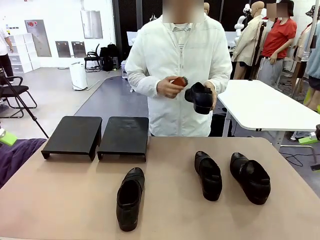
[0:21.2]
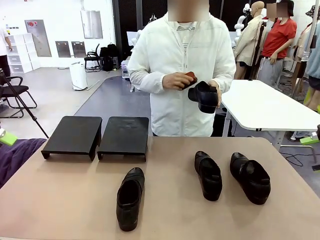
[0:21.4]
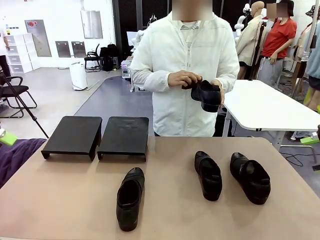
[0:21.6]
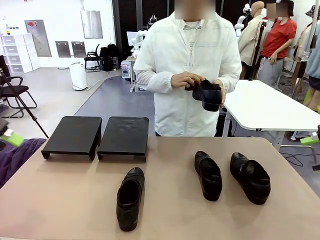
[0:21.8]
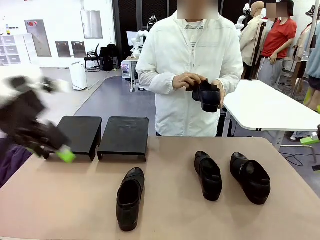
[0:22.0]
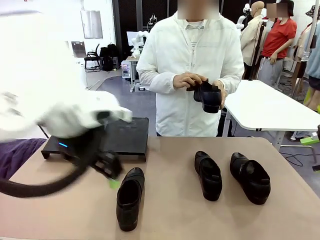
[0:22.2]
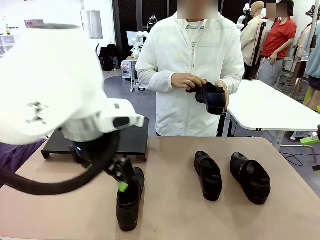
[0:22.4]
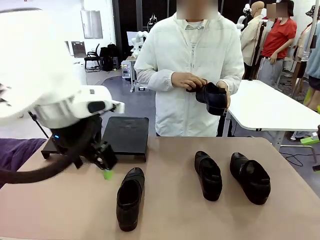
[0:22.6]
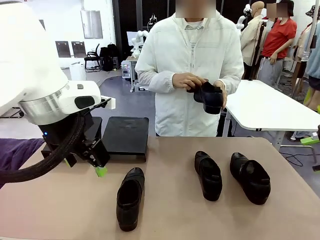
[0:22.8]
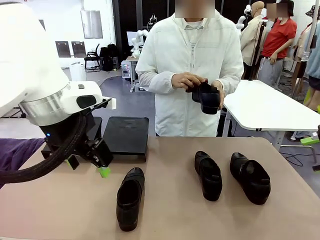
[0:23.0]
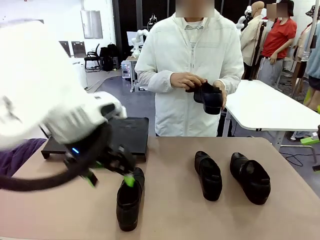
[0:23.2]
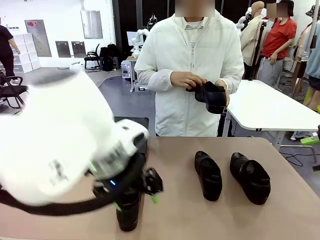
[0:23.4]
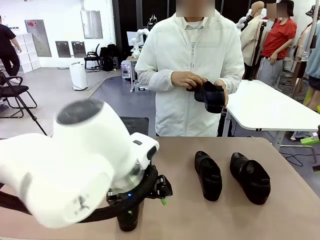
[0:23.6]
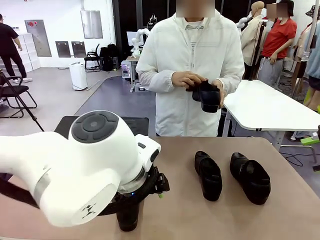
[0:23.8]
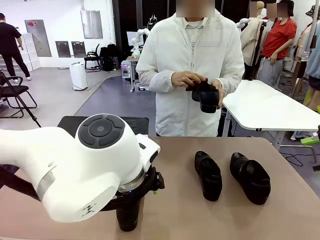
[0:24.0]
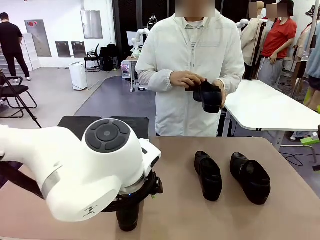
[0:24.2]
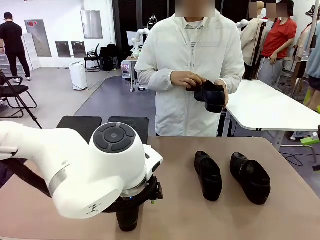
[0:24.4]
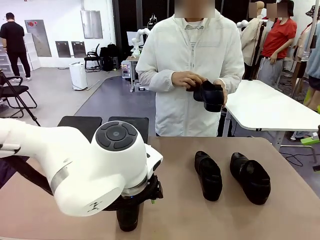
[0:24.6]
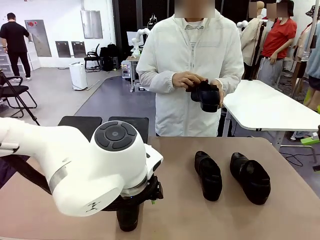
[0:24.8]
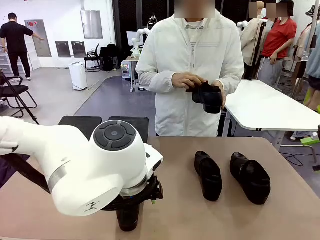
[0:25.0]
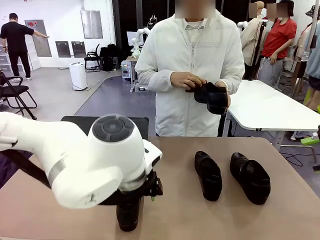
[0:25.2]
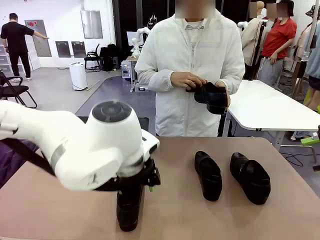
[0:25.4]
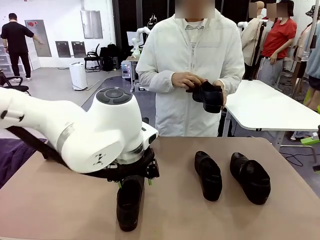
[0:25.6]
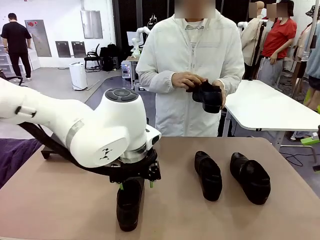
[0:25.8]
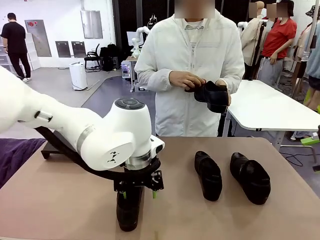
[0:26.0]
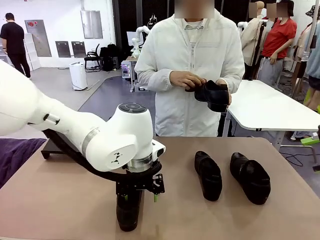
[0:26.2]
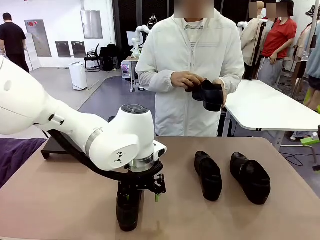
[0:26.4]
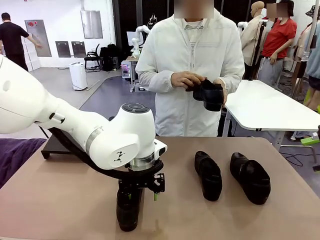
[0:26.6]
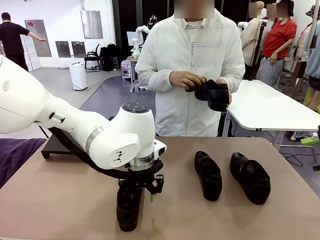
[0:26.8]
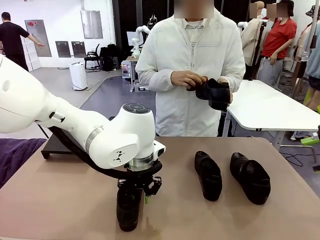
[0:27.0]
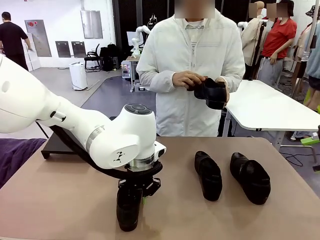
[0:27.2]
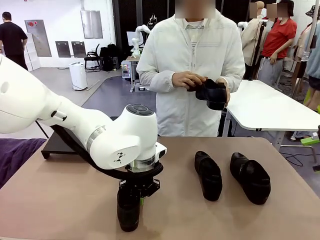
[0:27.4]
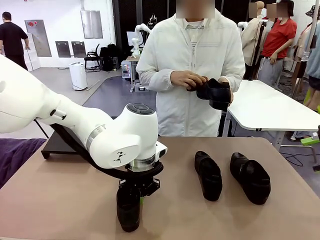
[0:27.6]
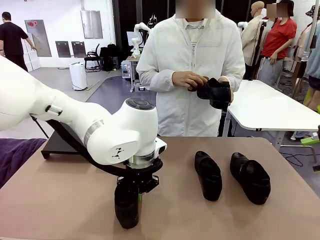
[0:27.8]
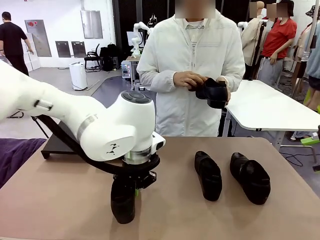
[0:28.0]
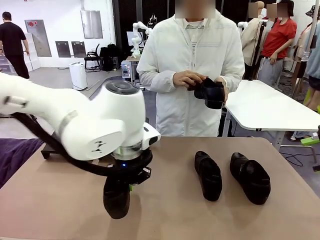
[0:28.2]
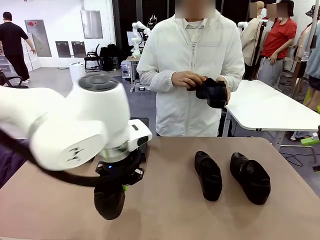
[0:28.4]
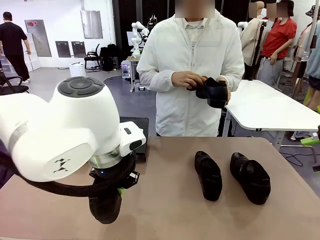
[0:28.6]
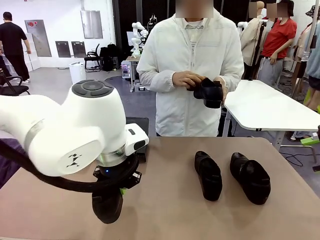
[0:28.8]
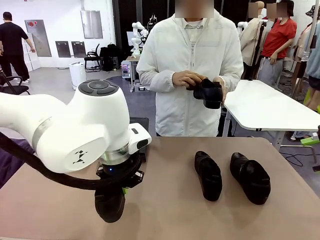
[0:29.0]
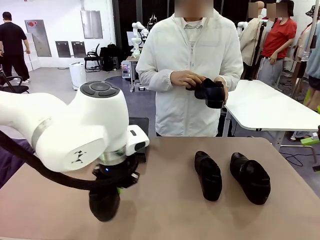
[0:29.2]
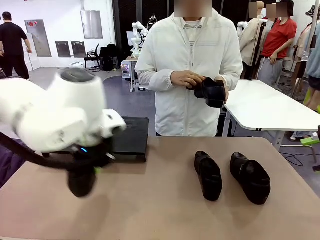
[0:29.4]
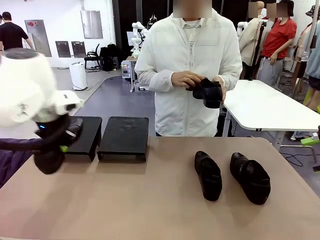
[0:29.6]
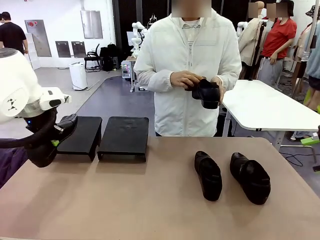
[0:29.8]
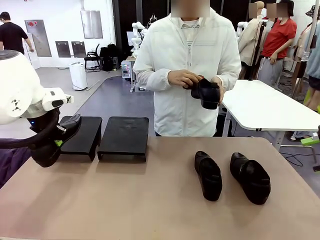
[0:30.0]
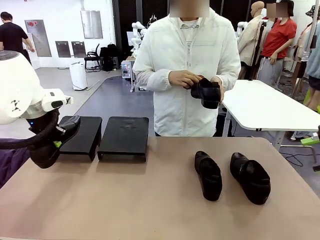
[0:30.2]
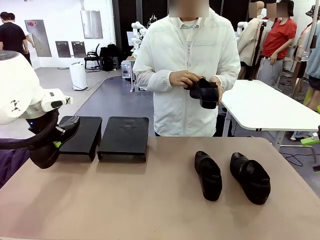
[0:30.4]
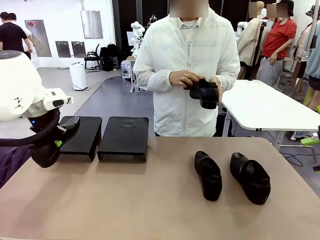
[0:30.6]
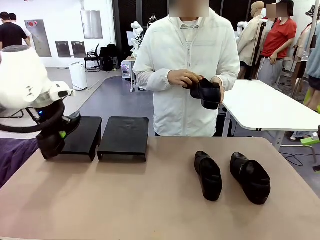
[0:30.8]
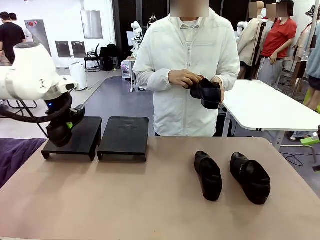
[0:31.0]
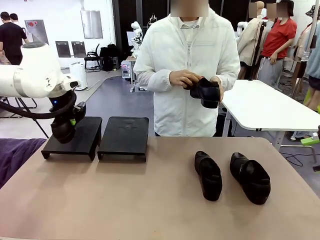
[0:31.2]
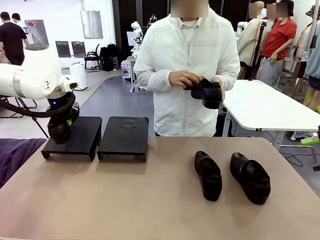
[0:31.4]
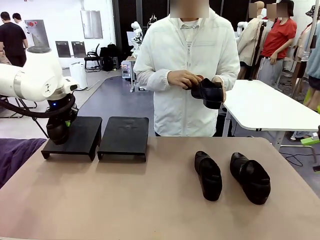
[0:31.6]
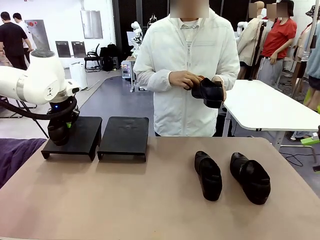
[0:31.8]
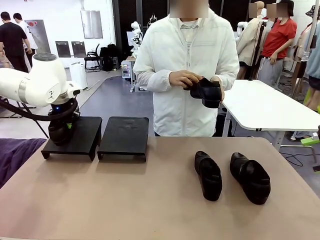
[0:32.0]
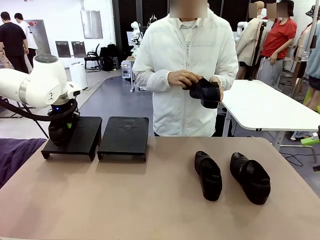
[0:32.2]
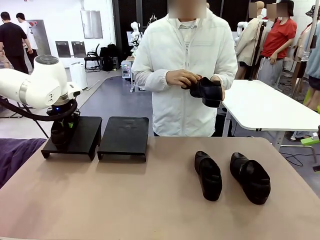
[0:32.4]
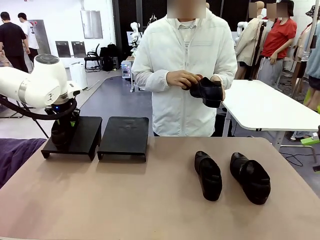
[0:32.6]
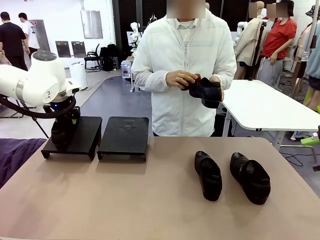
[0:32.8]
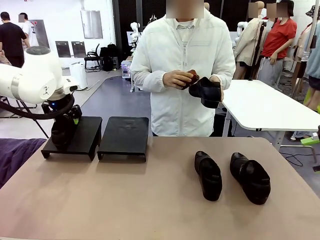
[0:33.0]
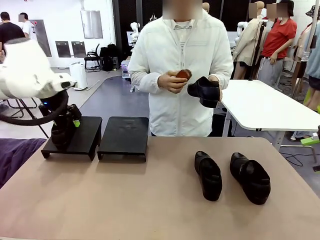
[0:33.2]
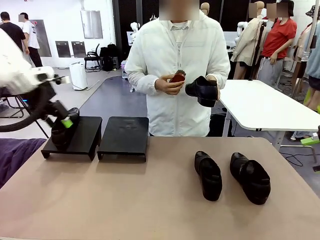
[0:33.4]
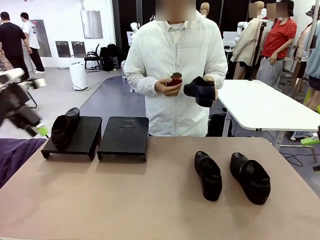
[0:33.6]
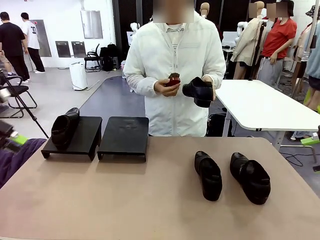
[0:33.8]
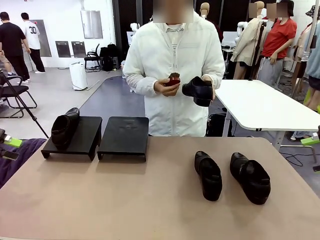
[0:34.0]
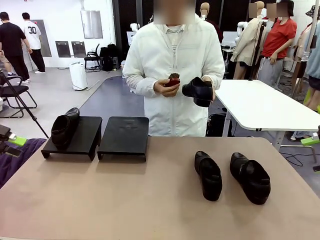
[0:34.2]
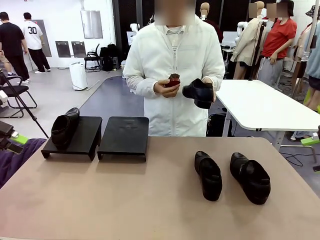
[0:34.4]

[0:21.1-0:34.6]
Task: Organize the shoes by placing them on the stand.
Robot: Place the Shoe from the middle of the table onto the Shoes Stand.
Person: Clean the Shoe with the Shoe Brush.

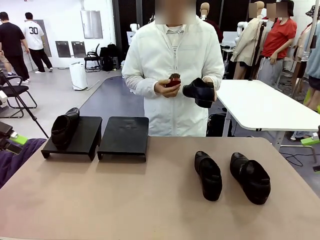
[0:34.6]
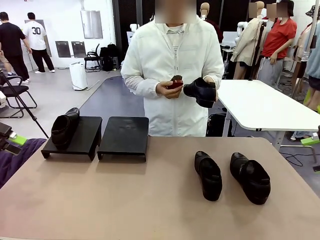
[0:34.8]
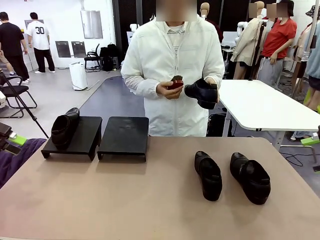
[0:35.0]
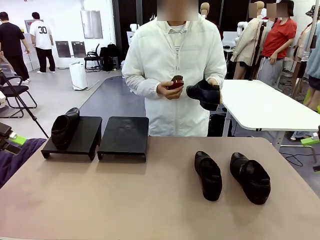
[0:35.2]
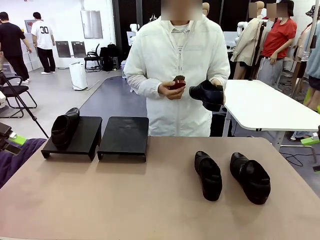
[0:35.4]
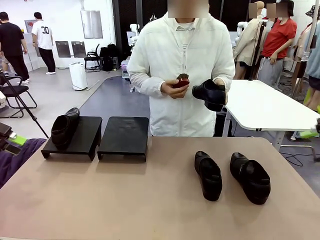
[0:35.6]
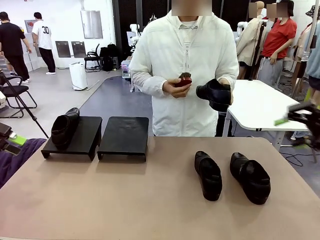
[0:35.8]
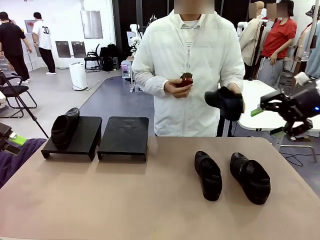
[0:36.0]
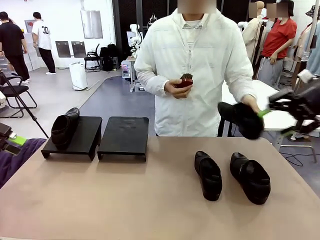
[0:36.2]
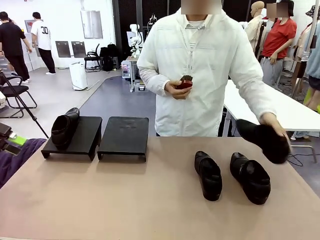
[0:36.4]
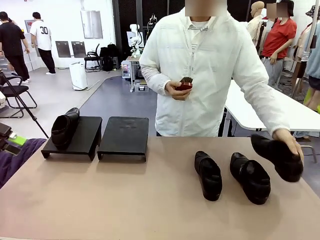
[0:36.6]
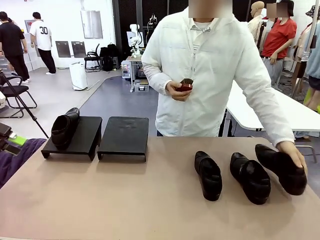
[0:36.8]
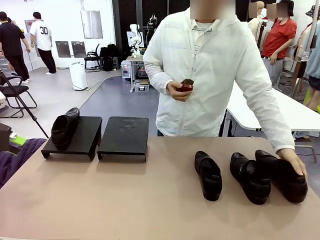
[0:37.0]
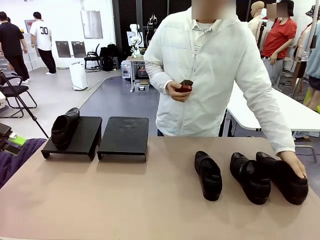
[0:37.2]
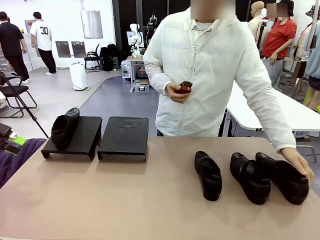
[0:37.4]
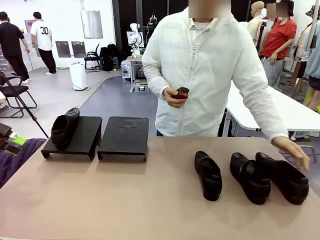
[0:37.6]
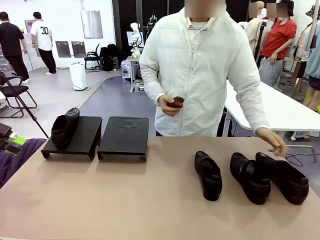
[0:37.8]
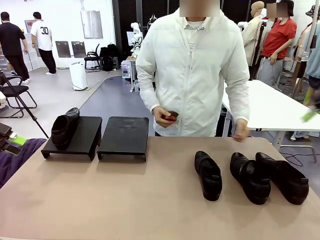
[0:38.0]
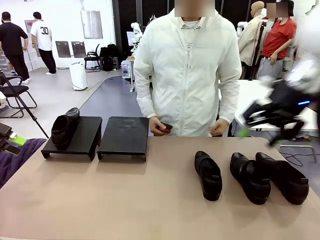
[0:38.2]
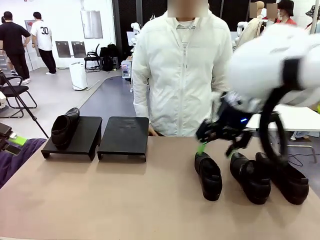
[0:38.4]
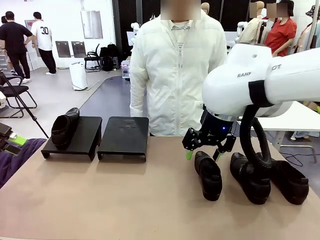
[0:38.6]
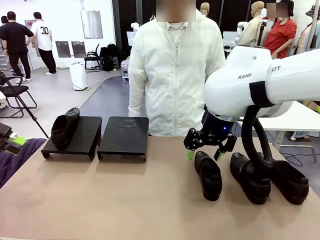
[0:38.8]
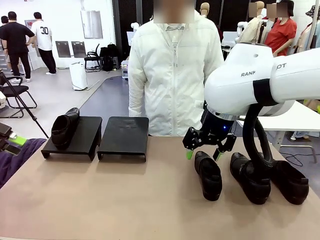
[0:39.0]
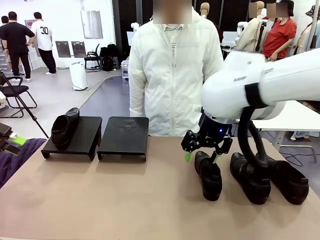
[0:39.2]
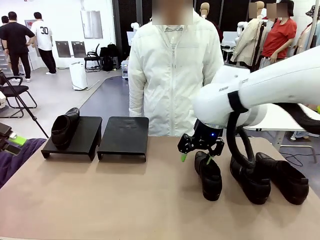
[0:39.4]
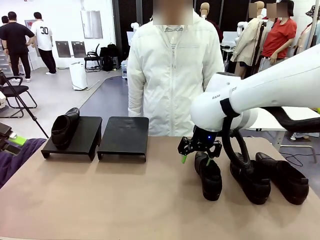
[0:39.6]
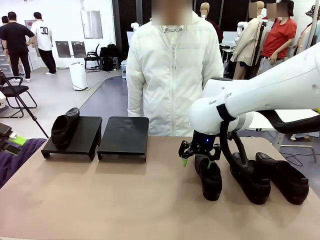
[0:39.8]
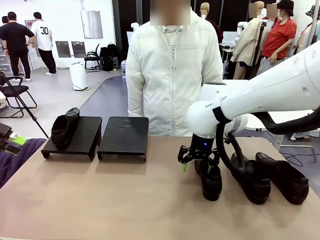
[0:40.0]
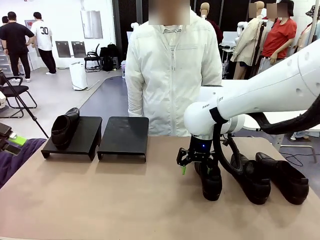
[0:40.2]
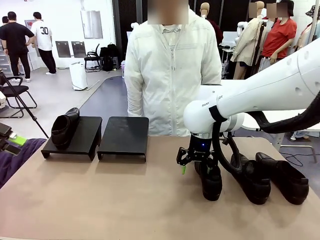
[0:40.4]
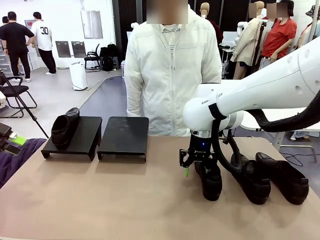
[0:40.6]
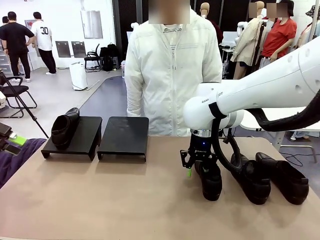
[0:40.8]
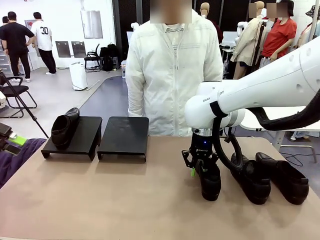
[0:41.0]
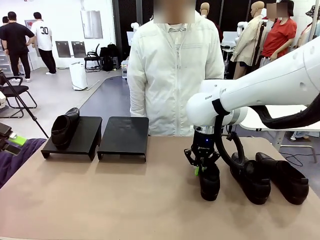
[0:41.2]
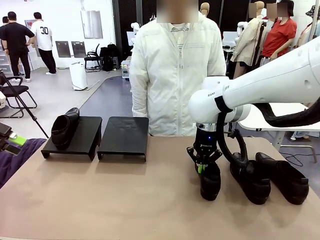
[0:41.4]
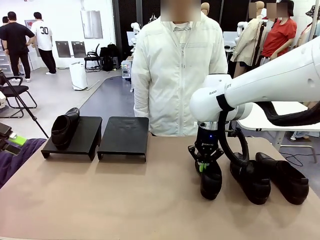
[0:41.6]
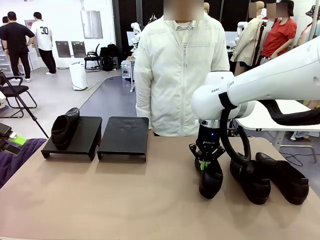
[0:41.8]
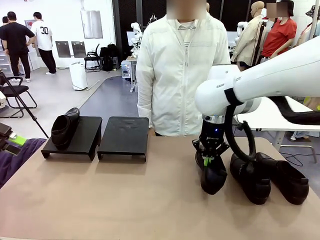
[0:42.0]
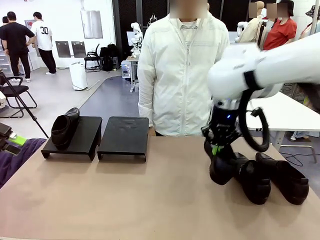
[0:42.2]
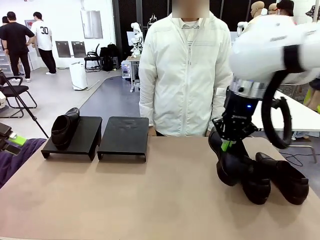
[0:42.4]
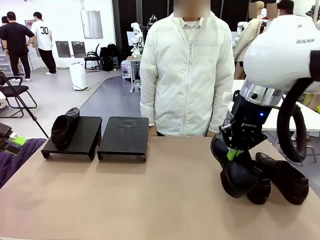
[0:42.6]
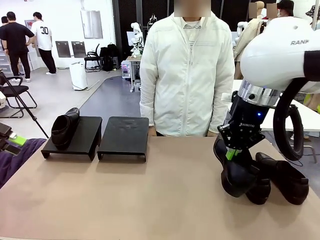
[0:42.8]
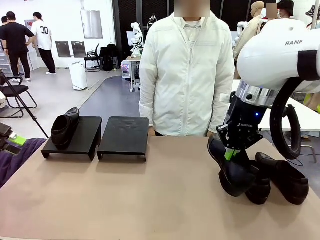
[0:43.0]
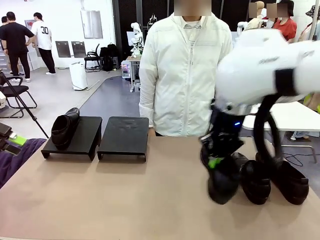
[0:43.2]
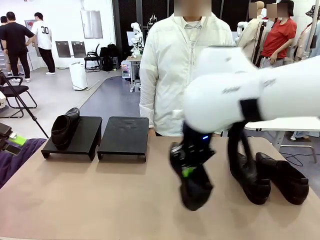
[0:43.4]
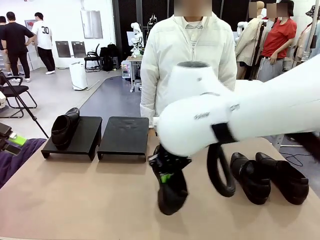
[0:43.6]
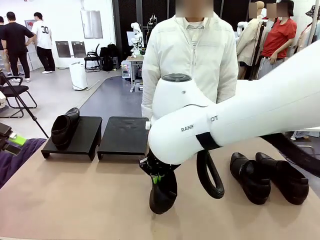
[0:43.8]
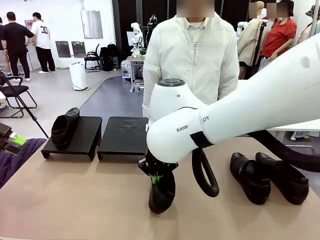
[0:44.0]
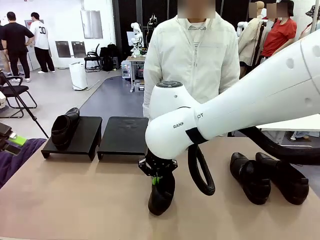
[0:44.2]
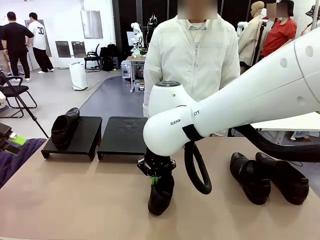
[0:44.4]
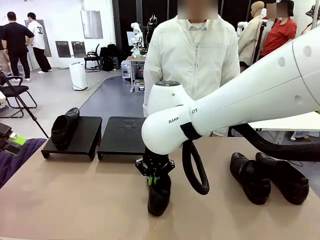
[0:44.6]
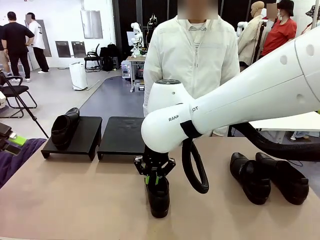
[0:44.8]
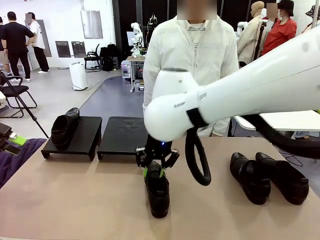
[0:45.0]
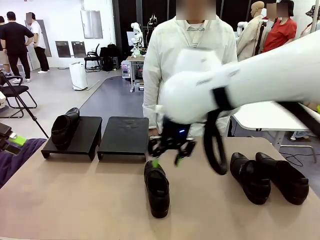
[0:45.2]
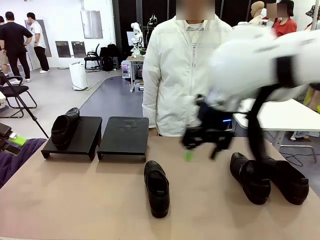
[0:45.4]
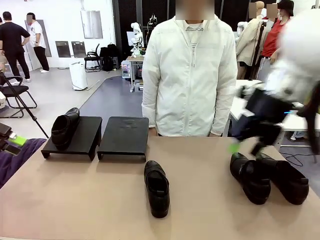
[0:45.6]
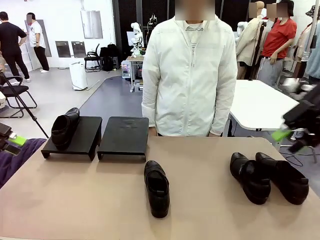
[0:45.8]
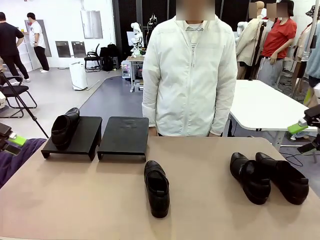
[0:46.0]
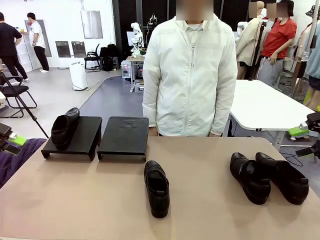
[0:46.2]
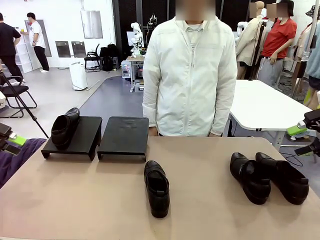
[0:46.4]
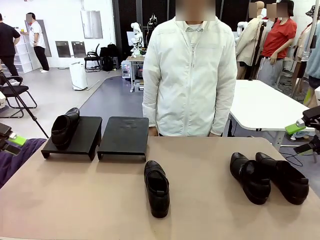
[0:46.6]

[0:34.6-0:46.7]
Robot: Pick up one Shoe and place it in the middle of the table.
